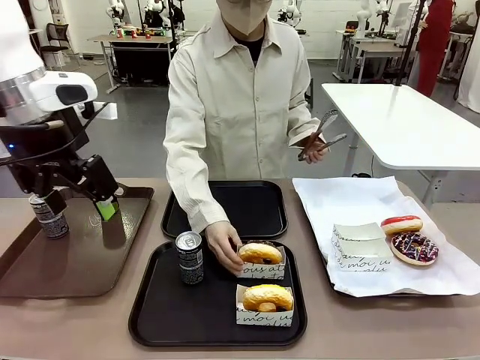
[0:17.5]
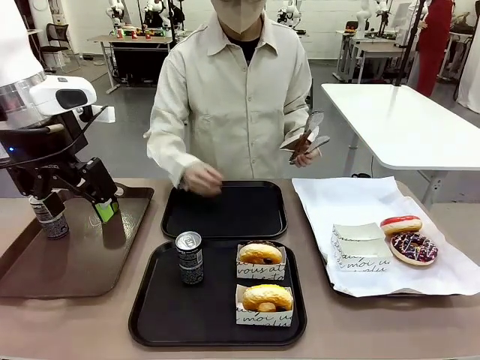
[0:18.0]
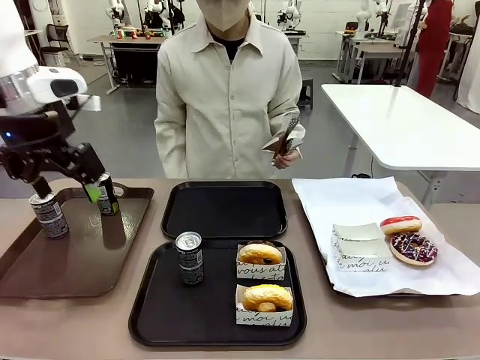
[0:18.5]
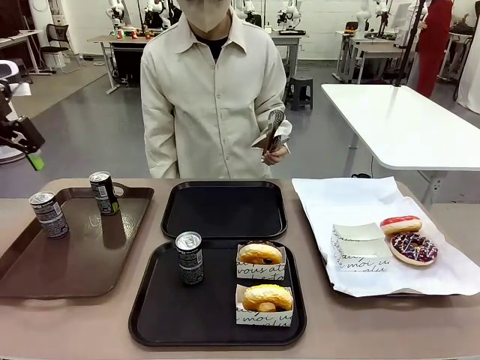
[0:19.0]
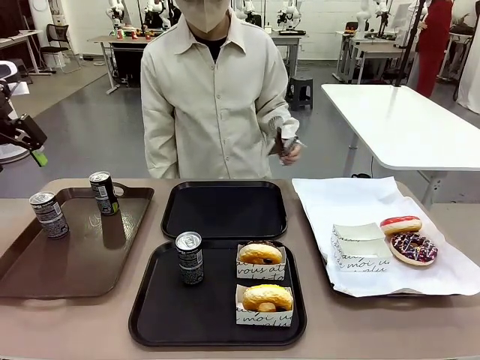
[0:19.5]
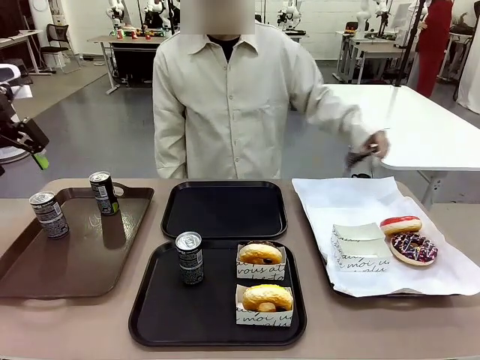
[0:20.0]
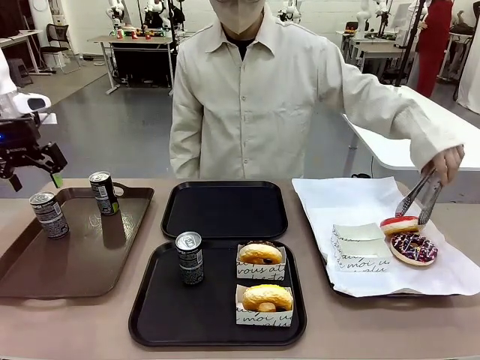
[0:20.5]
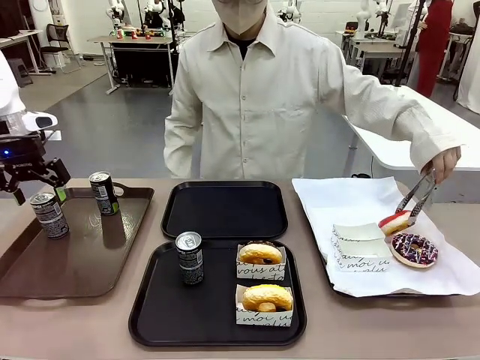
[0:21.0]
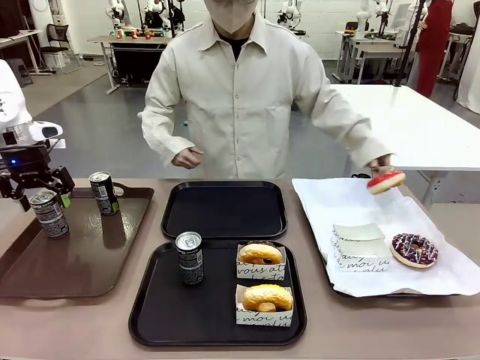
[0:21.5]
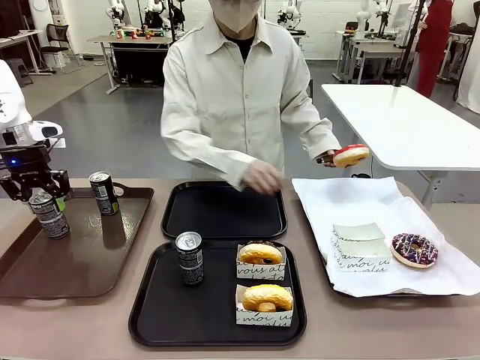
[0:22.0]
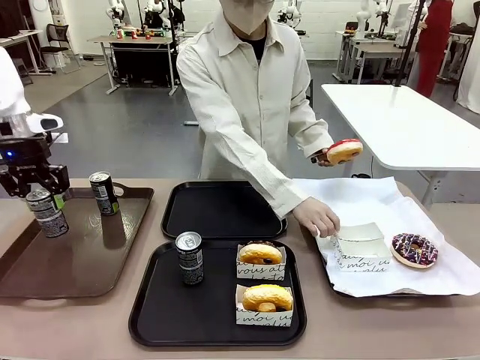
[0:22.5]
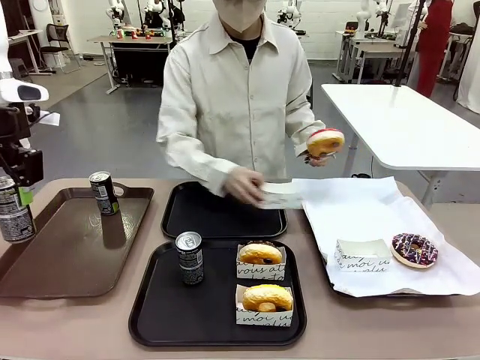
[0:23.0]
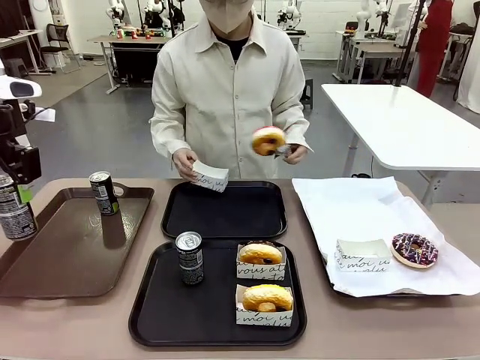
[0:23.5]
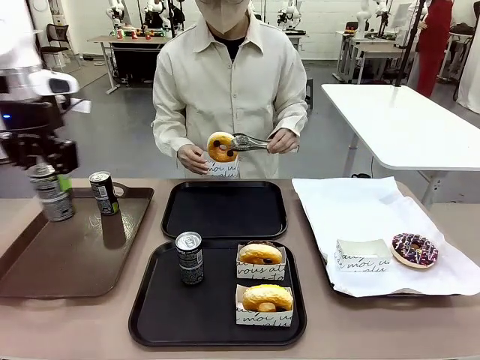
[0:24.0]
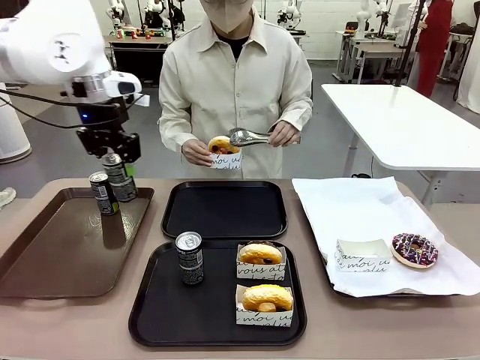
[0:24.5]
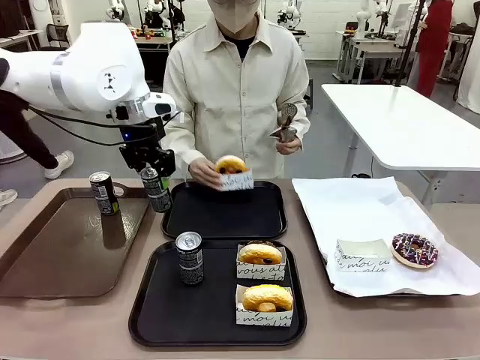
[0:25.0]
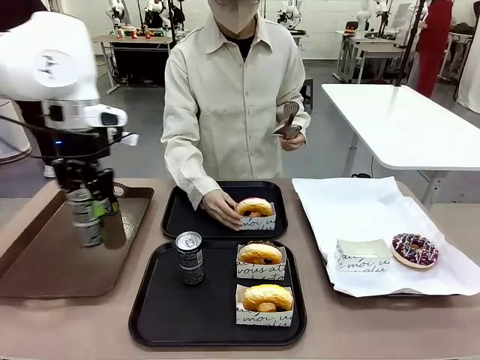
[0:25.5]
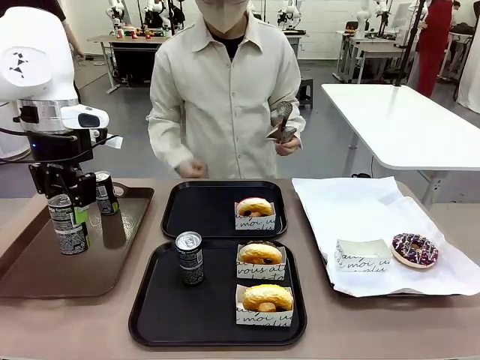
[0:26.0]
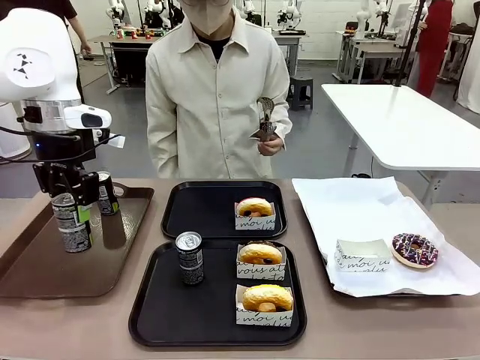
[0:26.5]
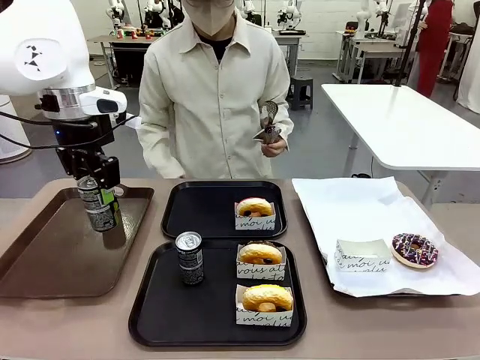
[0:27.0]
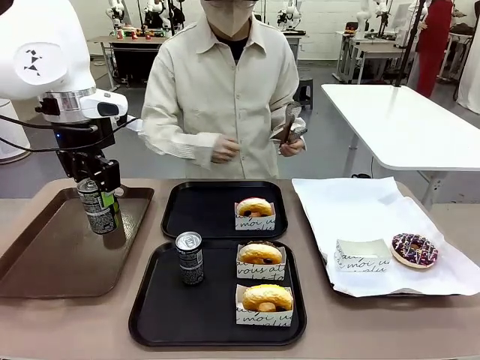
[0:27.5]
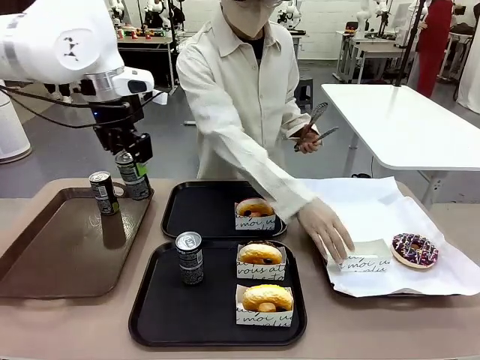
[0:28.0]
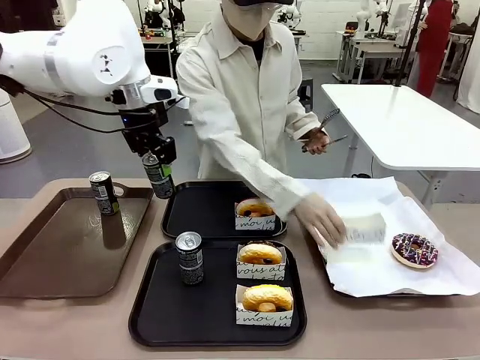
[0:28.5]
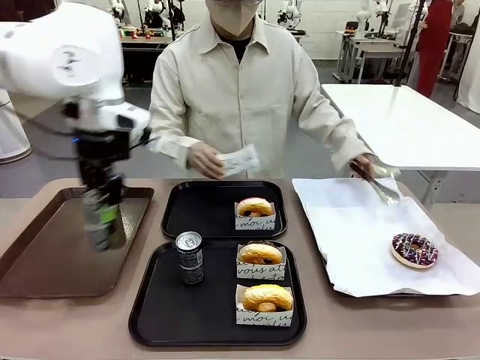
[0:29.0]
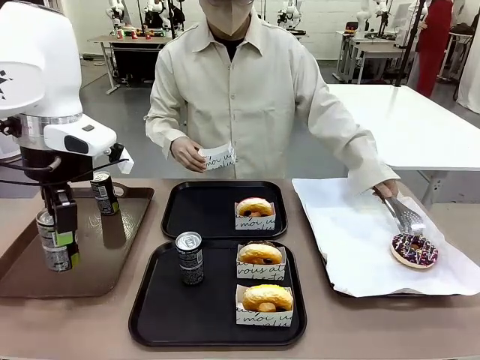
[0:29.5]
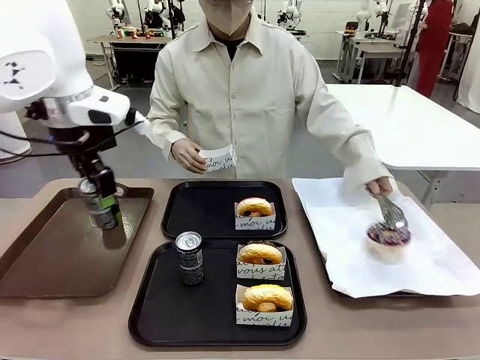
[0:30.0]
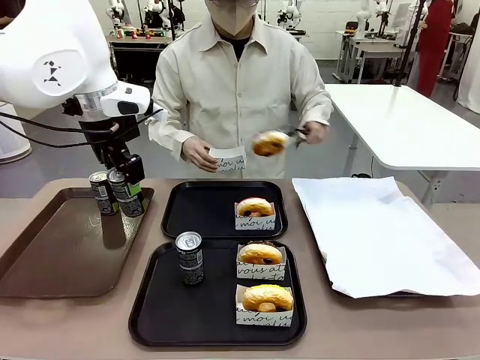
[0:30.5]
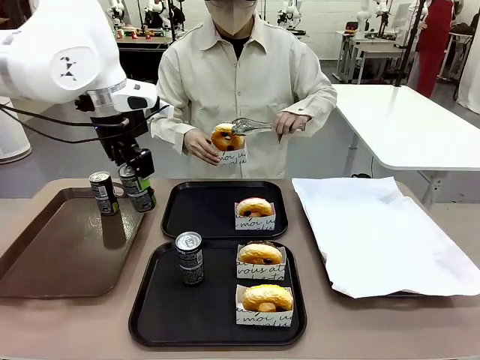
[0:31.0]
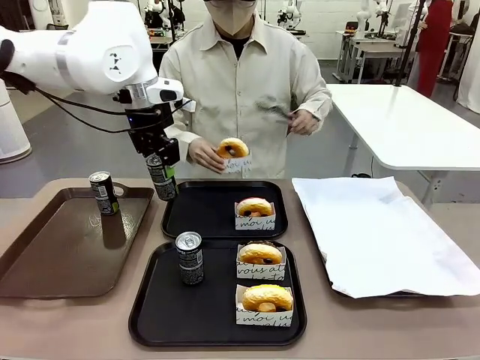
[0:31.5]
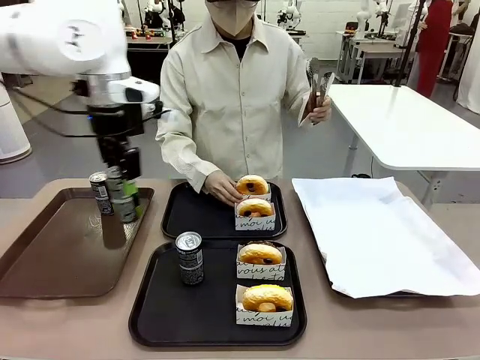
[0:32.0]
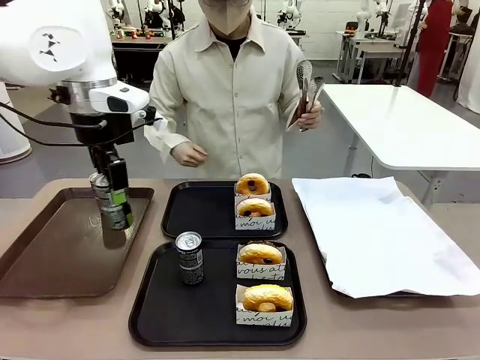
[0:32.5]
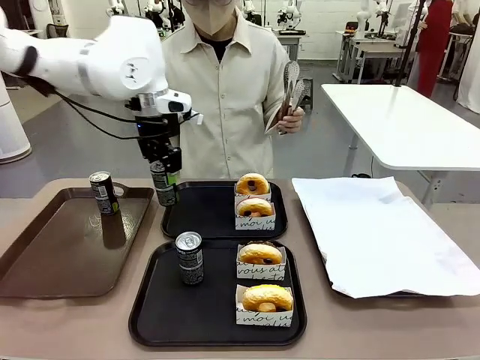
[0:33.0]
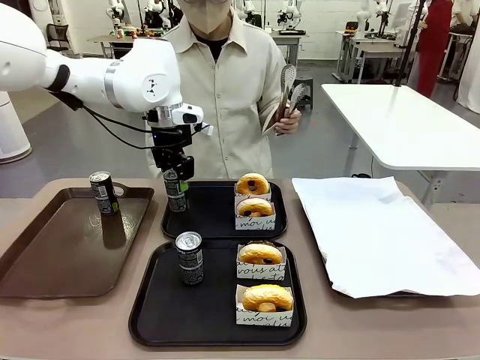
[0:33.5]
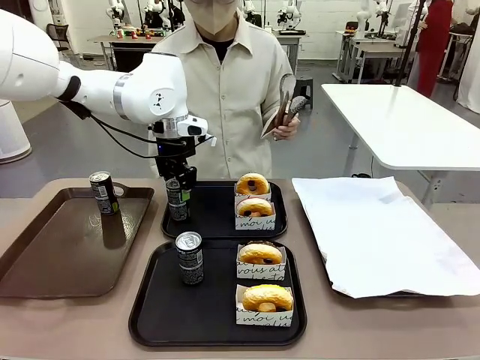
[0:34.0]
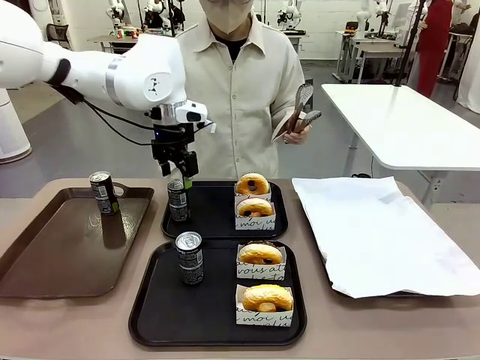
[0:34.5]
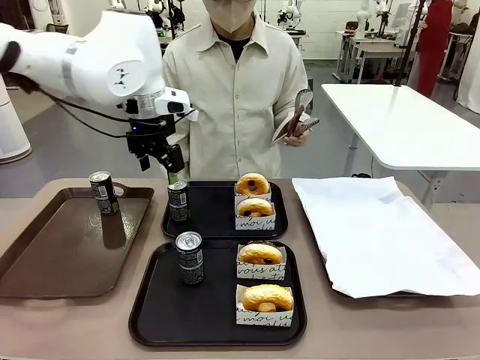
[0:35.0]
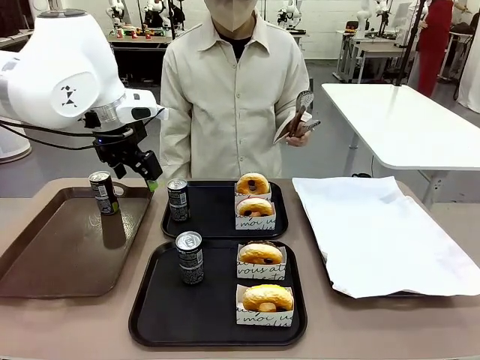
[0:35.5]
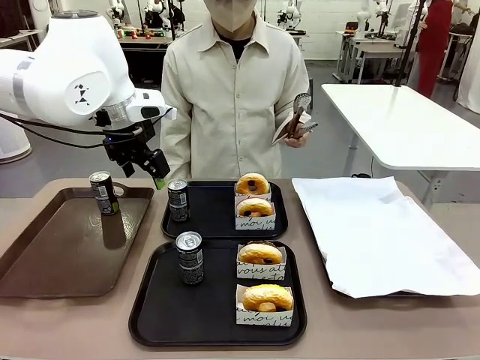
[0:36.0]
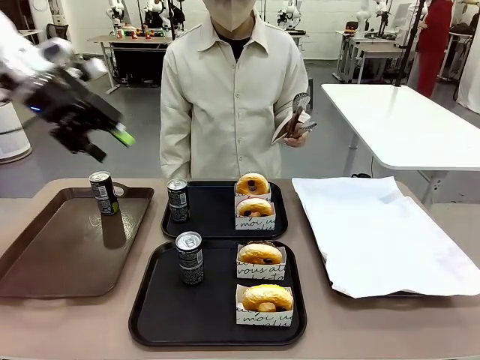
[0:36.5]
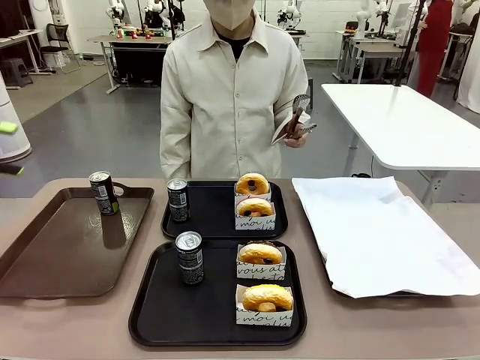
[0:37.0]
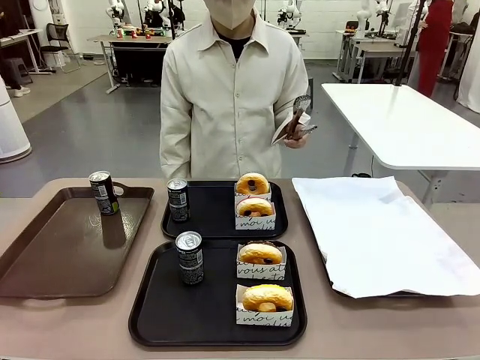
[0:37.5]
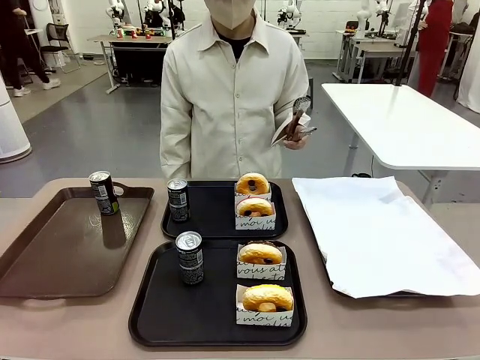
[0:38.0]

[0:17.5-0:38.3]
Task: Set up donuts and drinks on trays.
Robot: Pick up one Pepsi coke from the Handle tray and place it on the Flat Tray without a Pepsi coke.
Person: Pick up one donut with tongs, place it in the donut tray, and then place the donut tray on the flat tray.

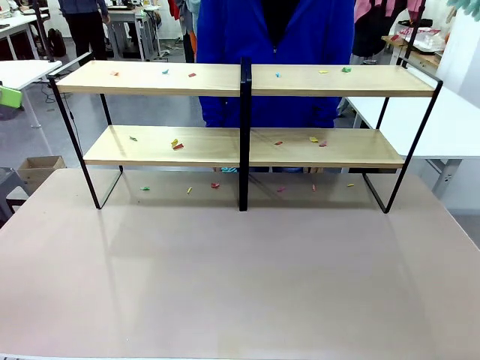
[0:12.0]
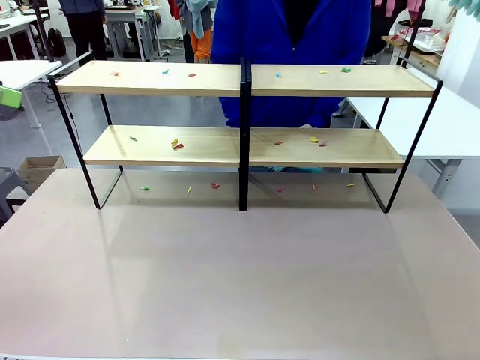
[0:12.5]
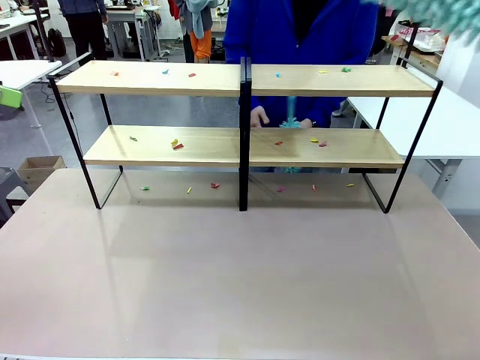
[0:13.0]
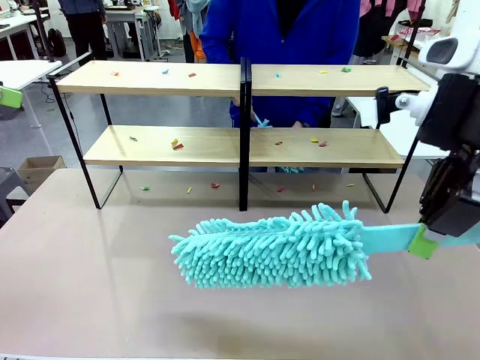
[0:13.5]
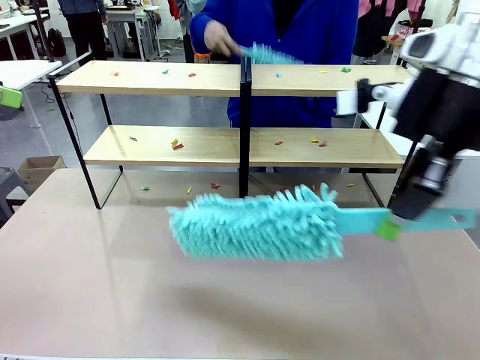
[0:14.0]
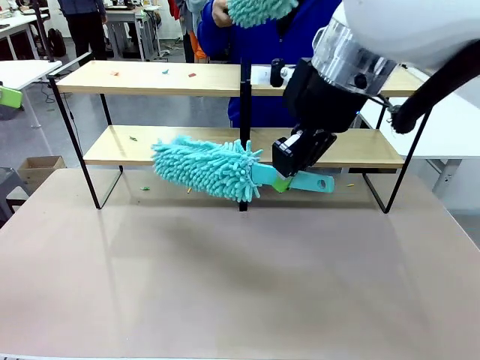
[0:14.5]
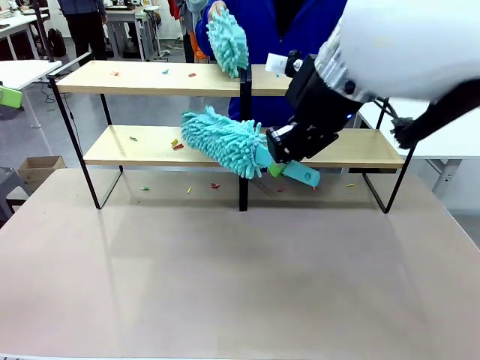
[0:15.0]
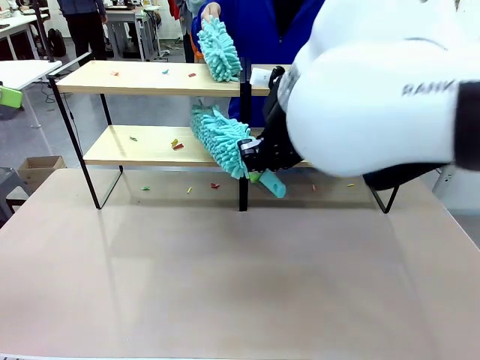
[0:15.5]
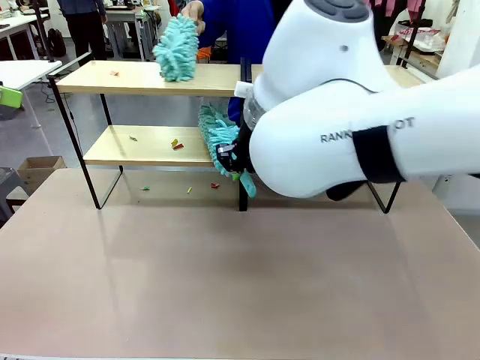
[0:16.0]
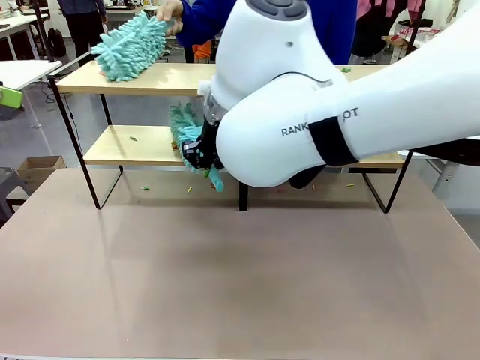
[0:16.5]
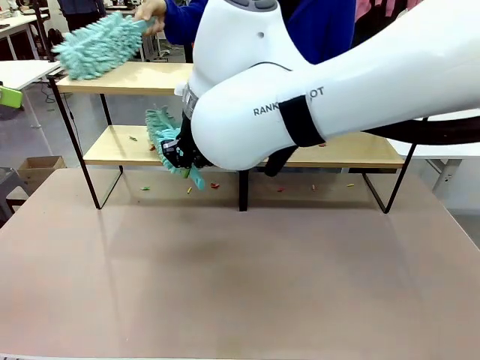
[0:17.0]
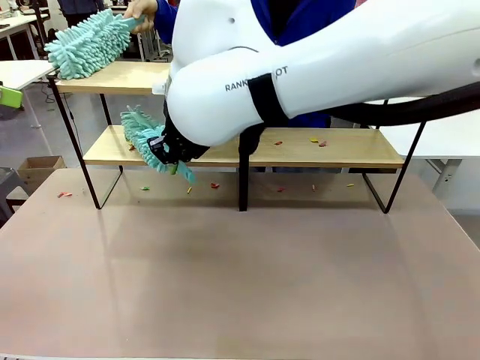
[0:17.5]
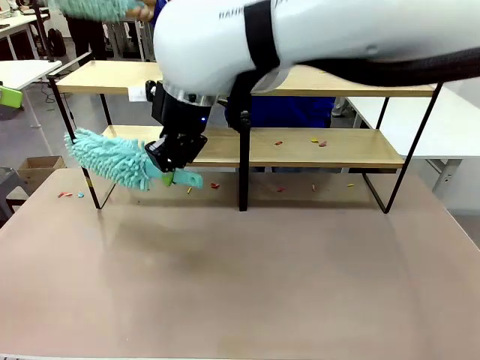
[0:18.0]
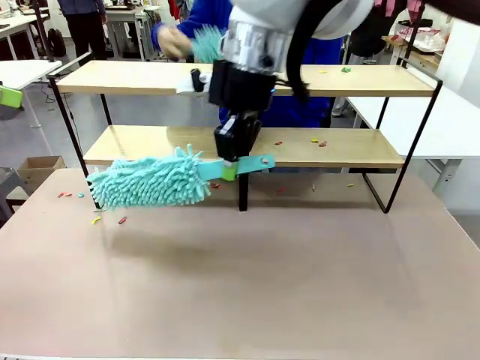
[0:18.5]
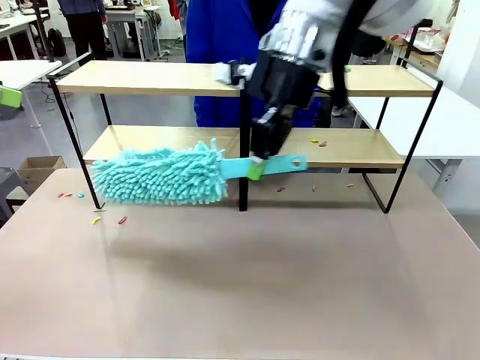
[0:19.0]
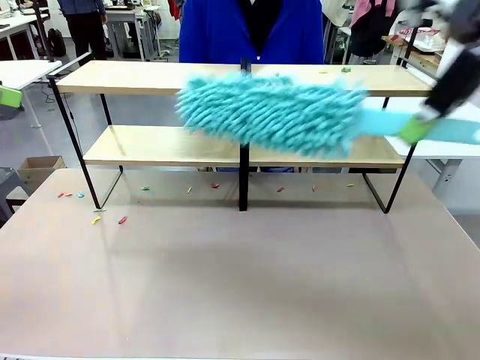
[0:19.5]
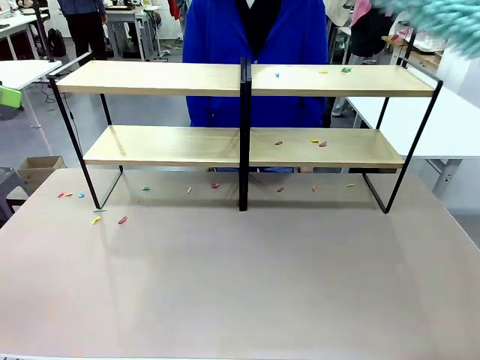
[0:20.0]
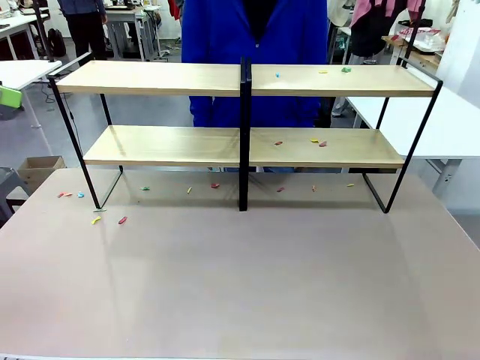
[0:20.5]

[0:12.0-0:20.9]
Task: Clean the shelves.
Robot: Clean a randomly selected level of the Shelf with the Duster.
